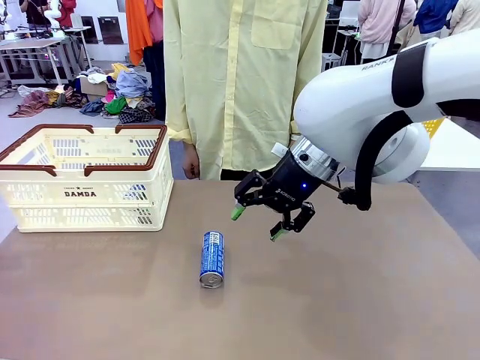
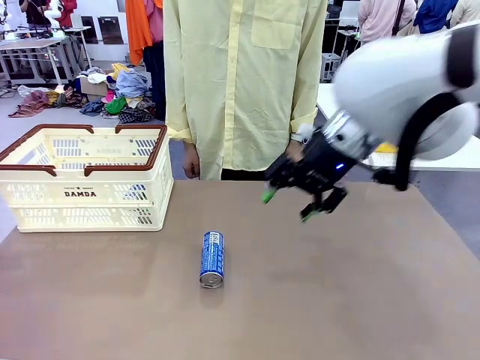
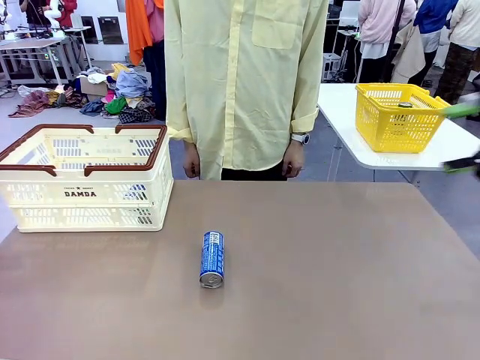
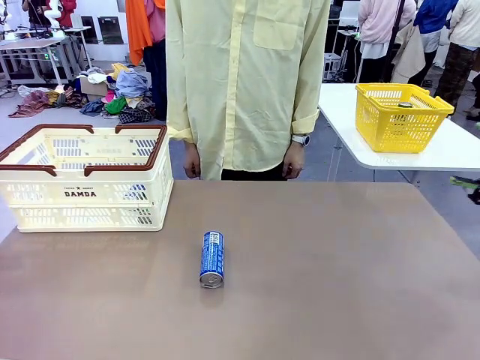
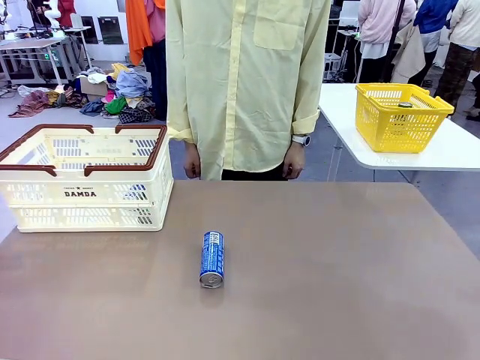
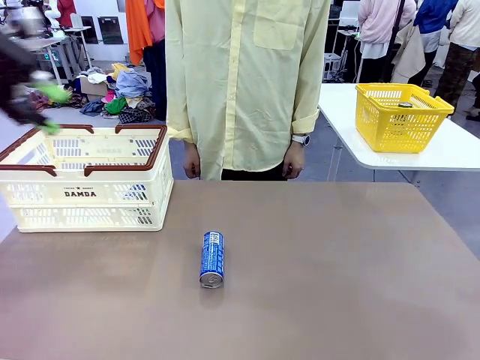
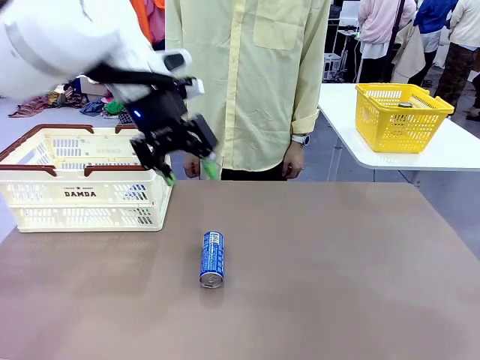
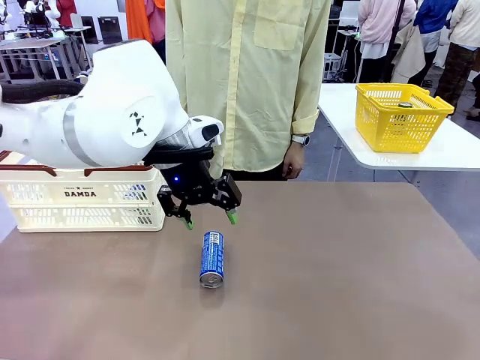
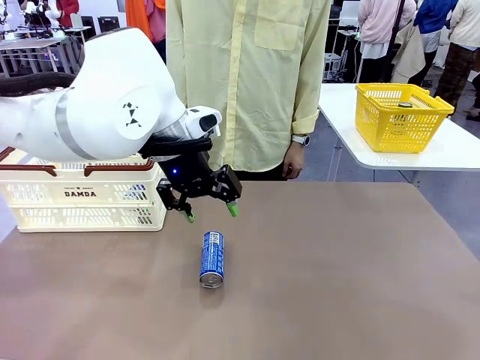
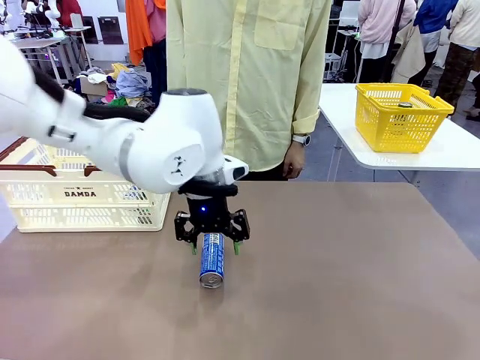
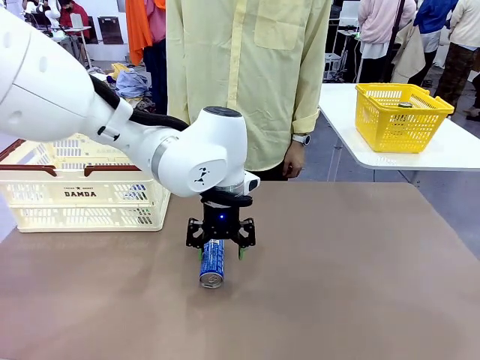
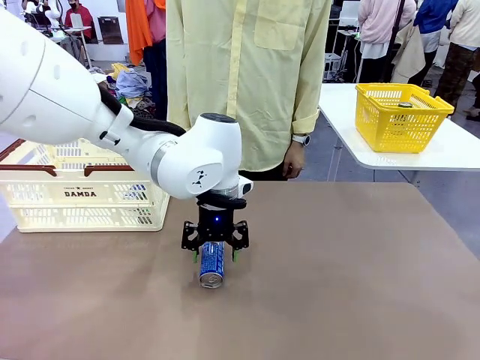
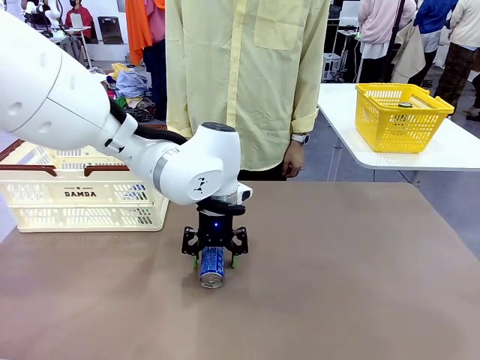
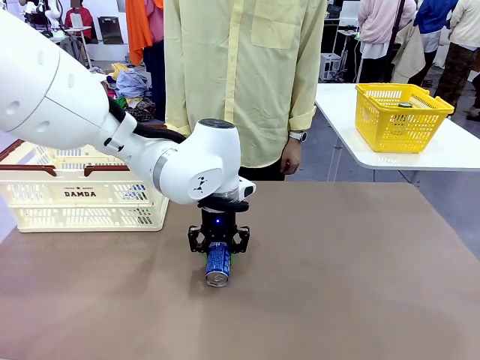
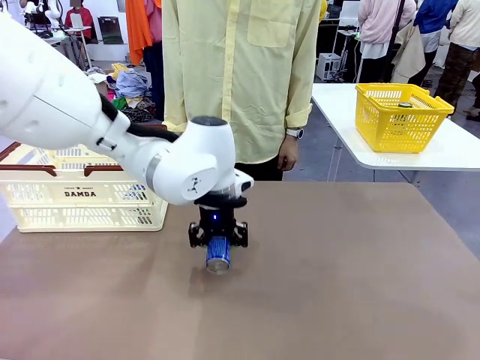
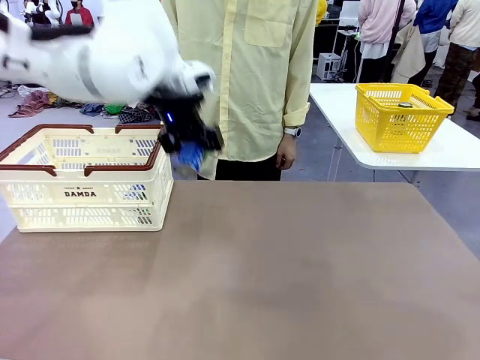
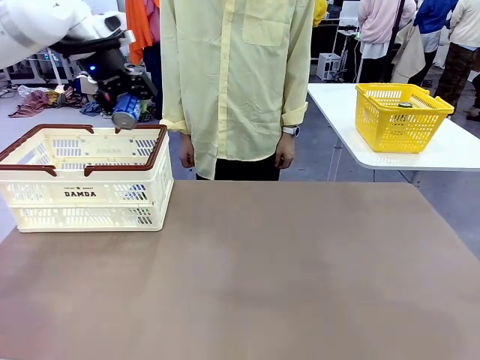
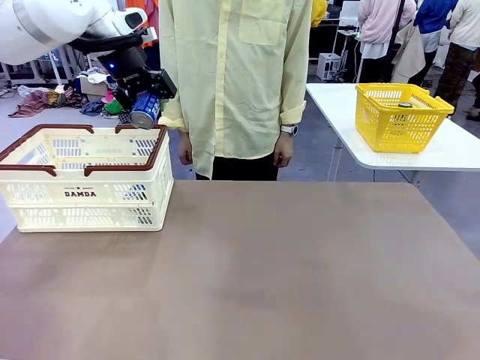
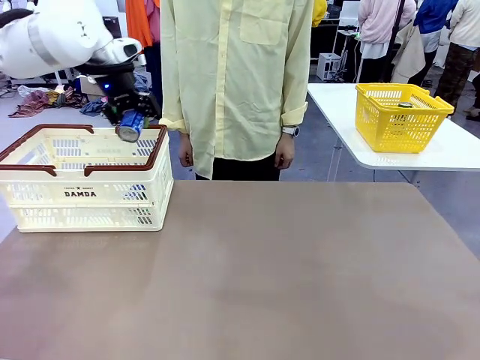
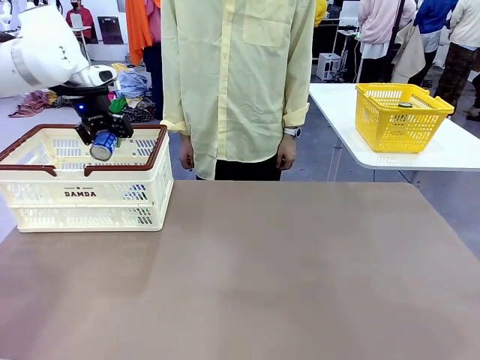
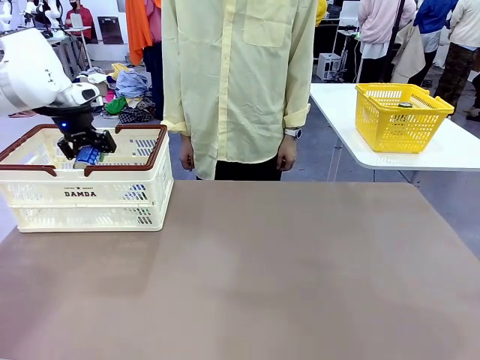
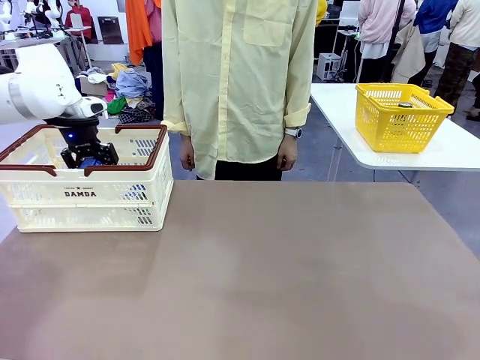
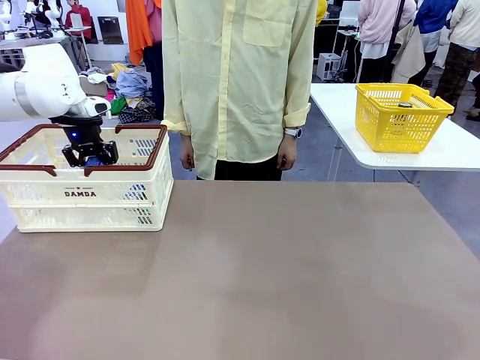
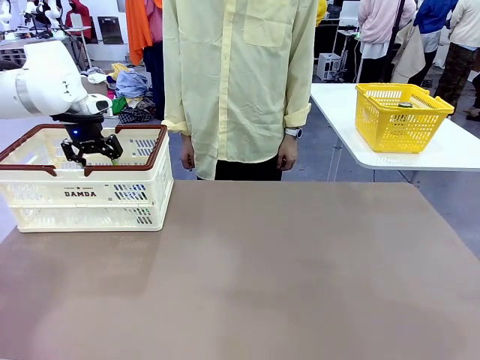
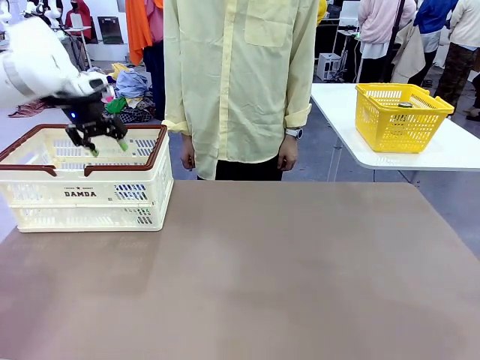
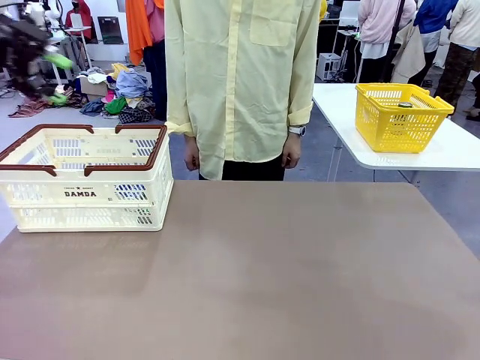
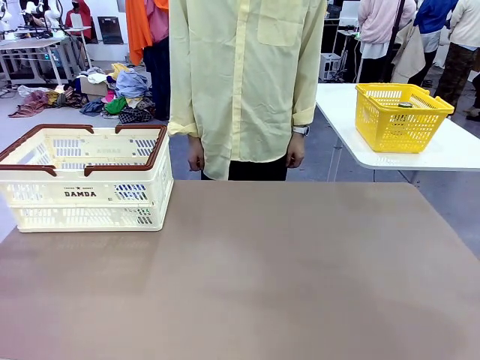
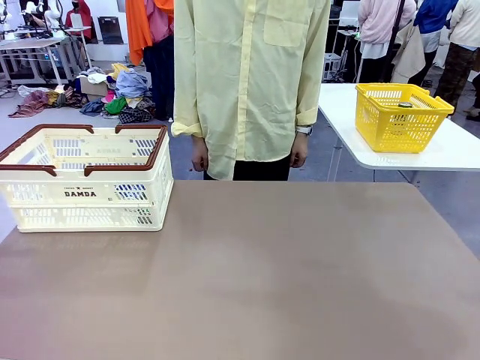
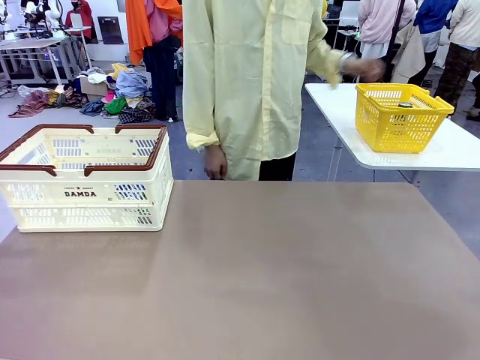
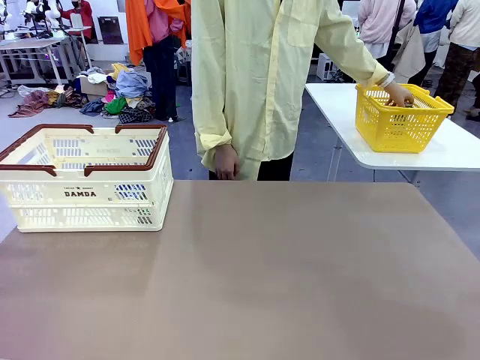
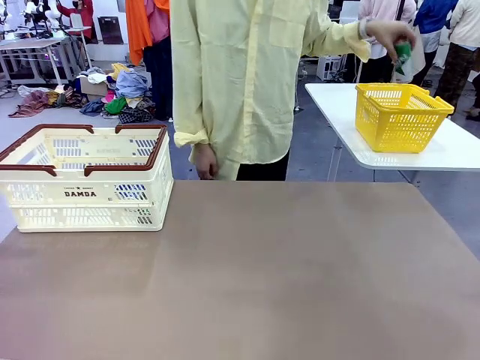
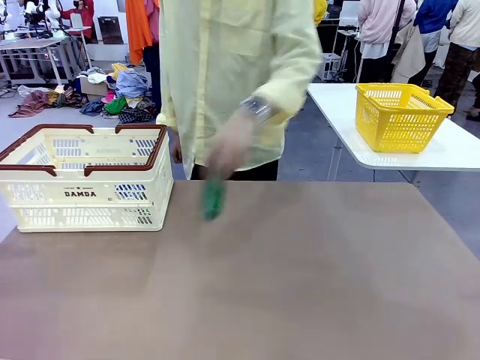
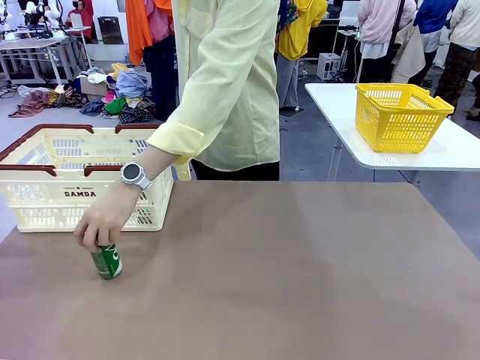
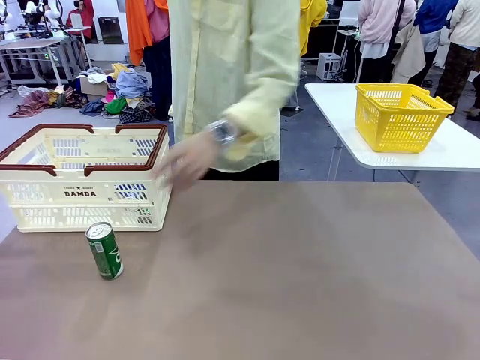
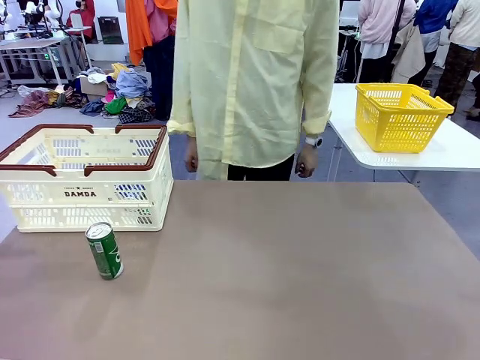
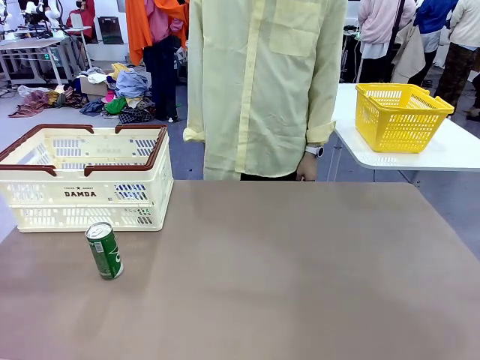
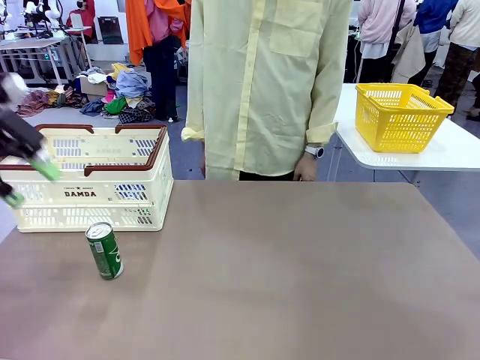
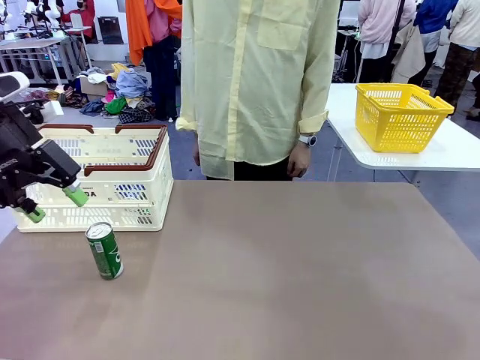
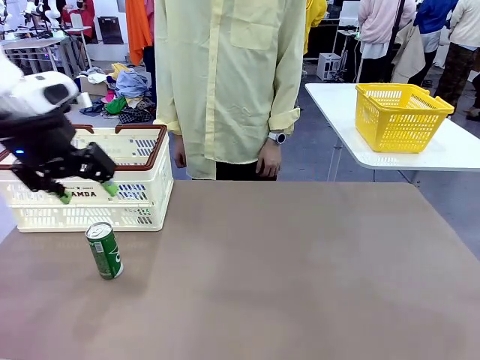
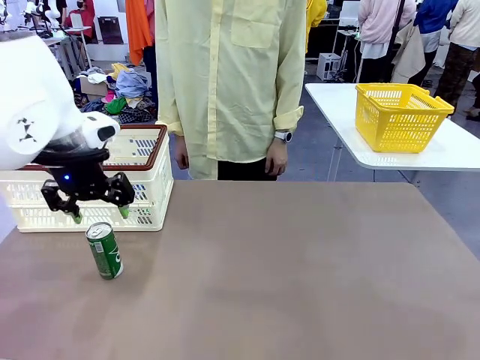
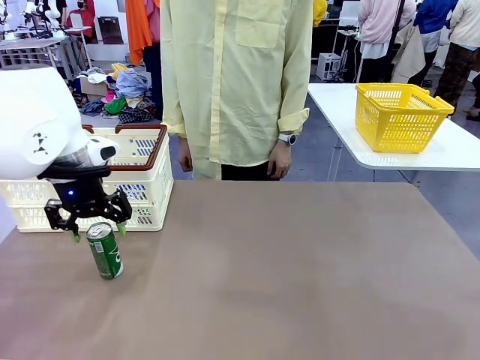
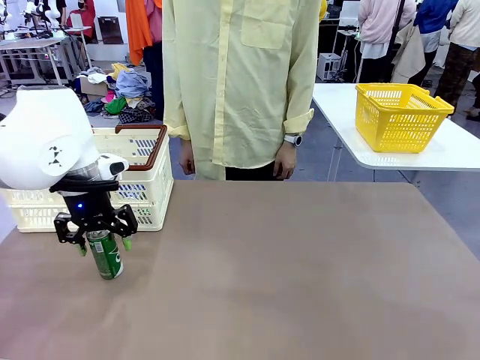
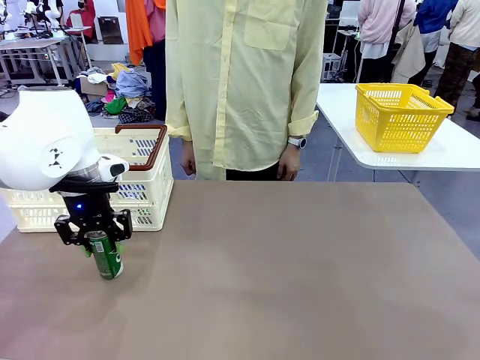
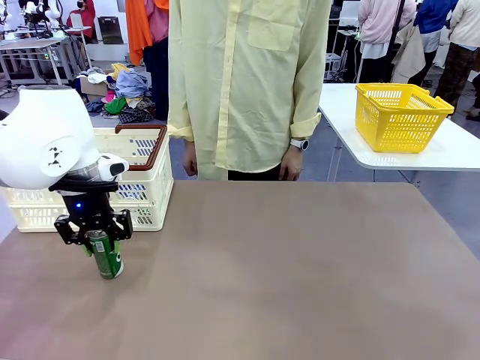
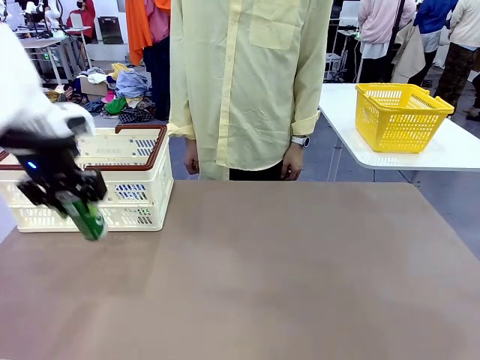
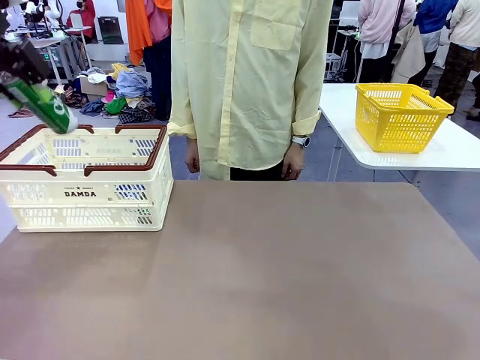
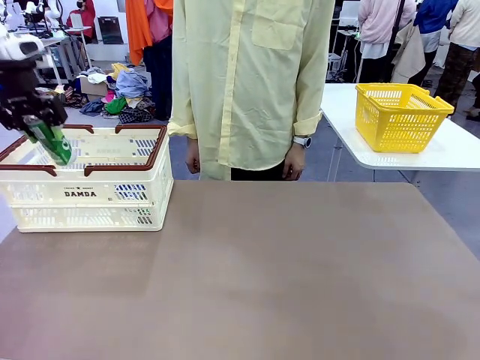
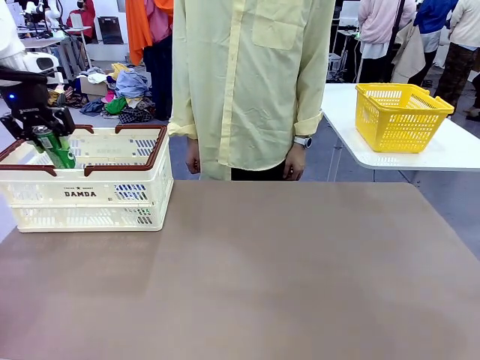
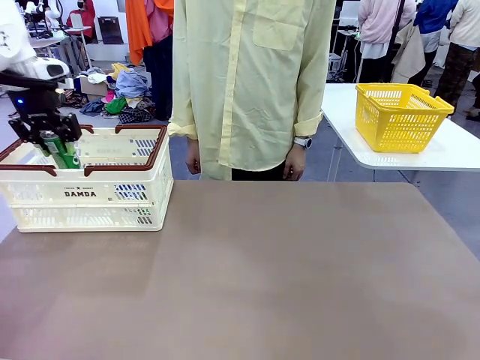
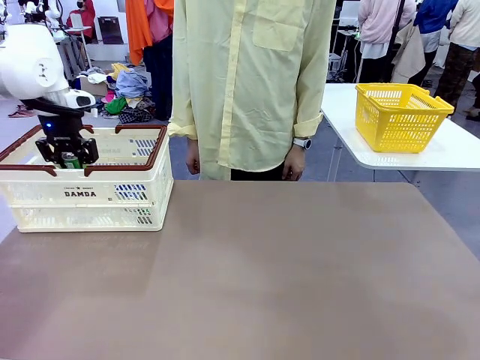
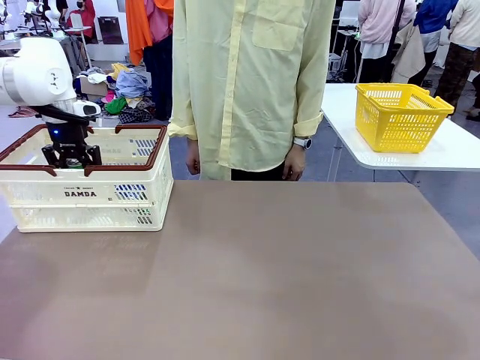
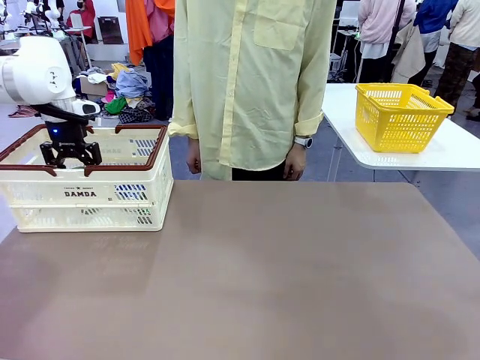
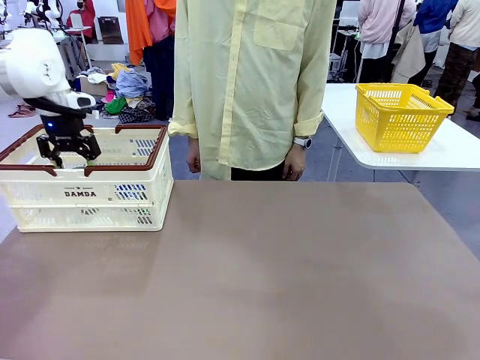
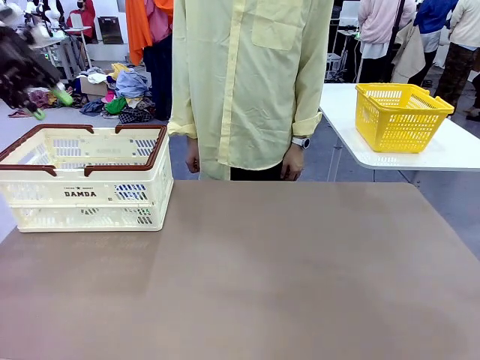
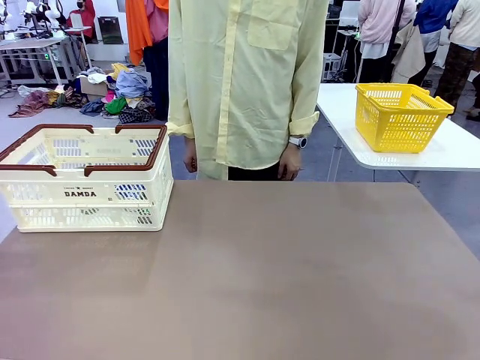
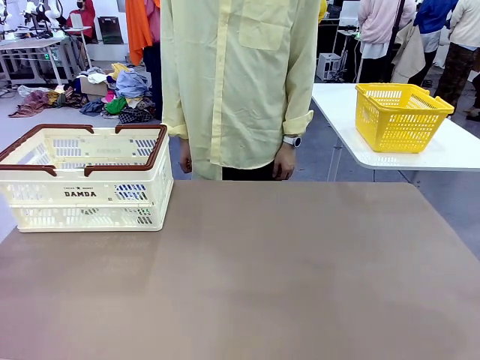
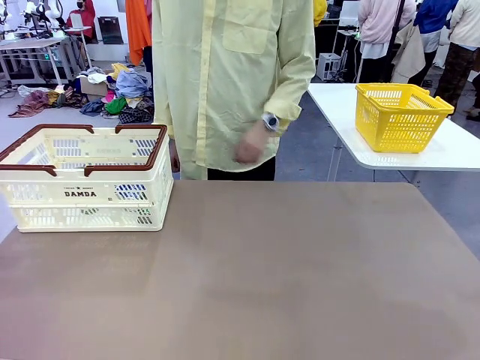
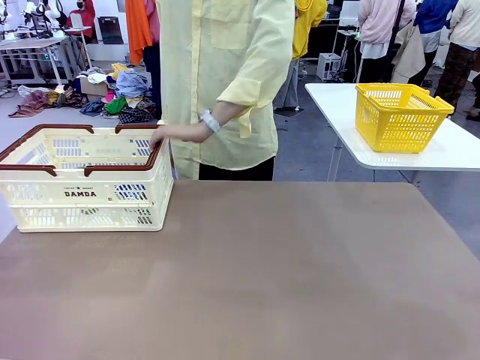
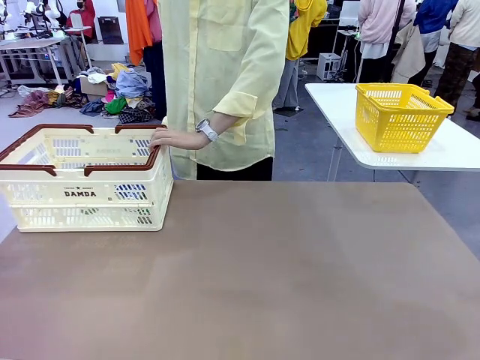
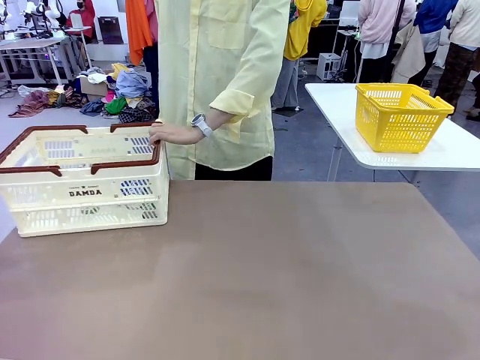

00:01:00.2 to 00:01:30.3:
Task: Place the drinks into the Shopping basket.
Robot: Pick up one drink and place it into the Shopping basket.
